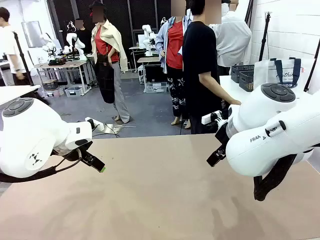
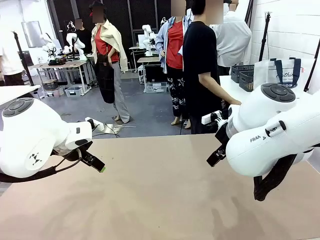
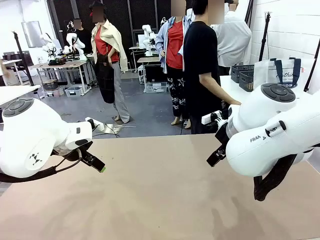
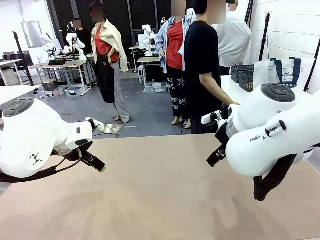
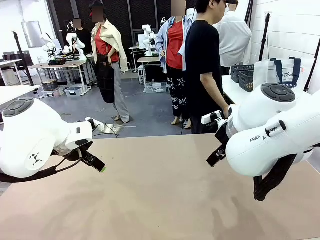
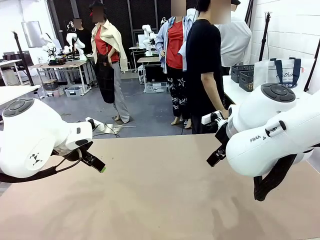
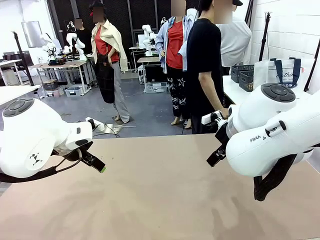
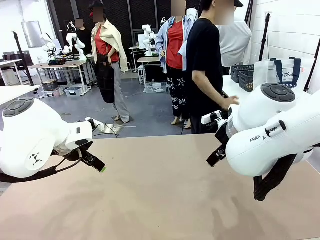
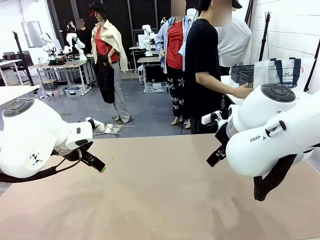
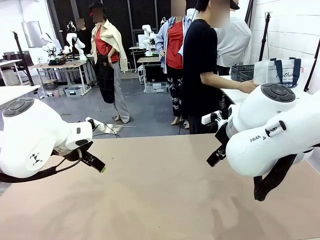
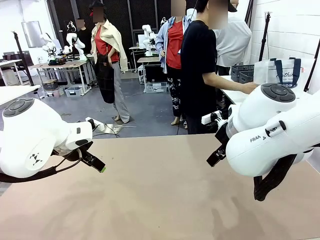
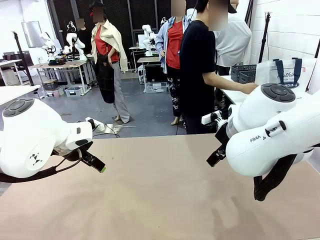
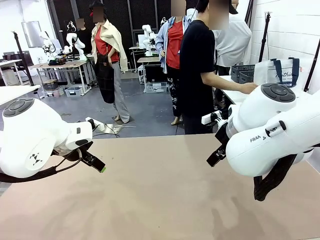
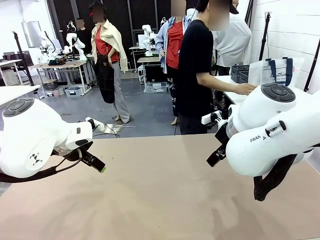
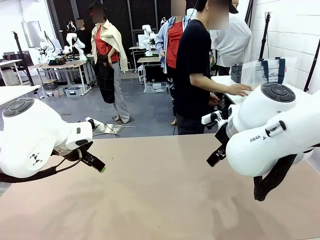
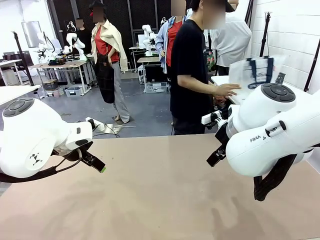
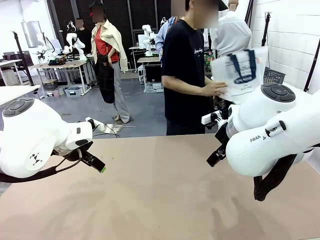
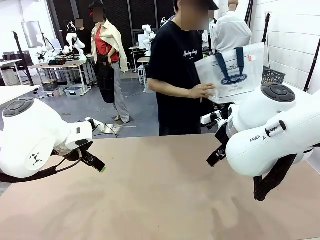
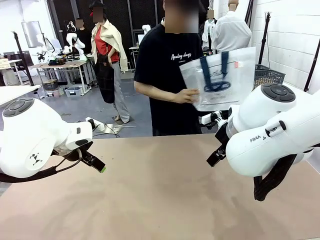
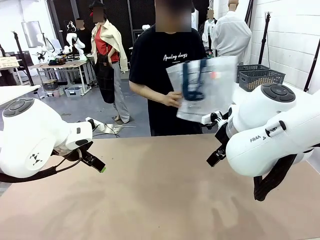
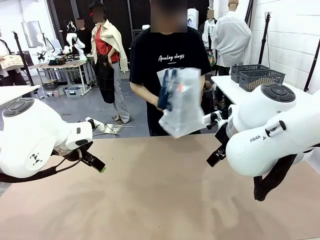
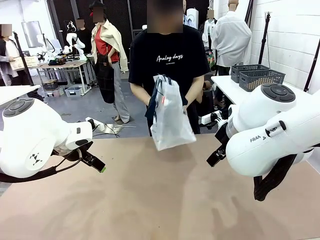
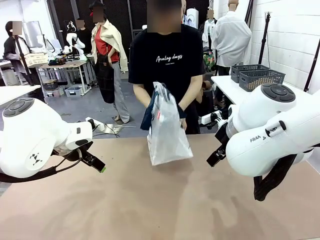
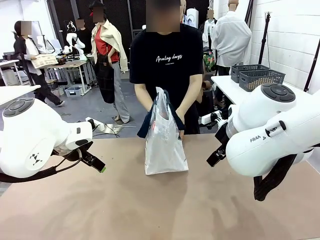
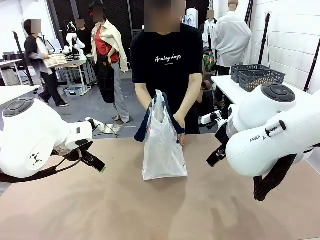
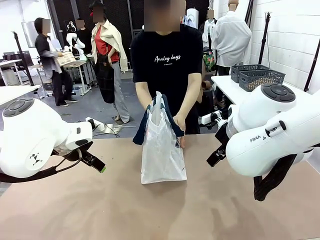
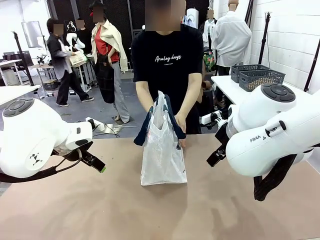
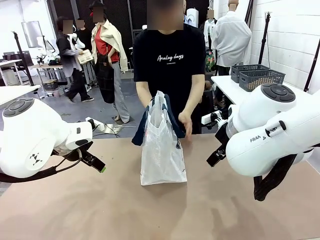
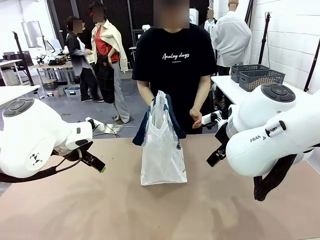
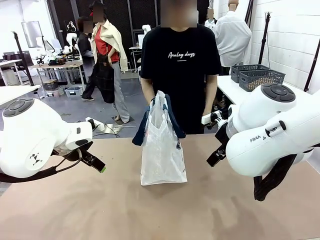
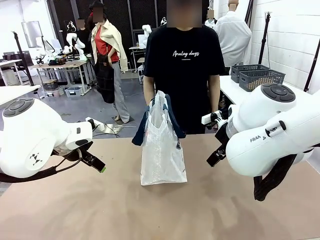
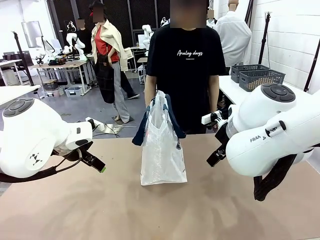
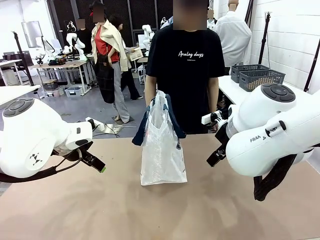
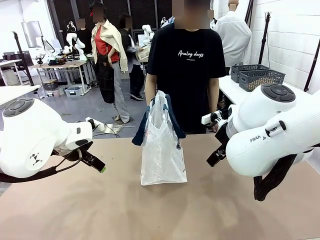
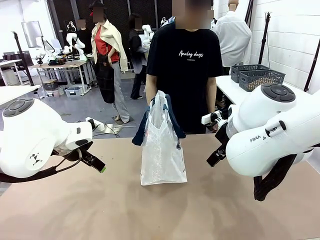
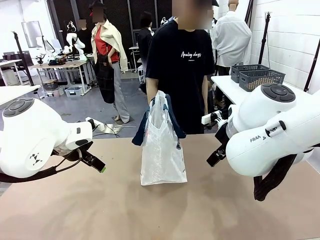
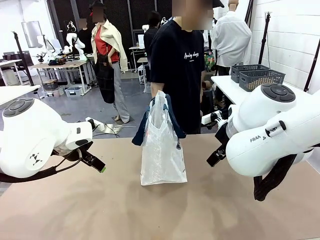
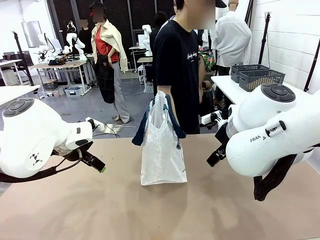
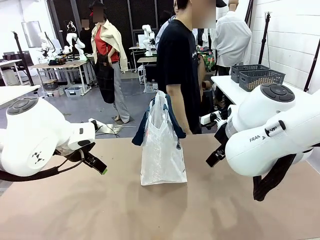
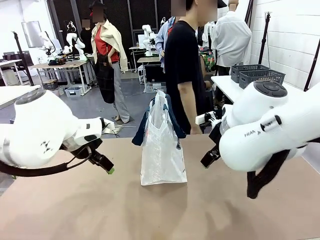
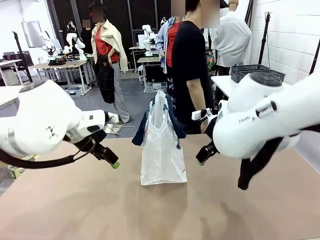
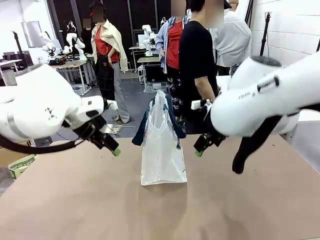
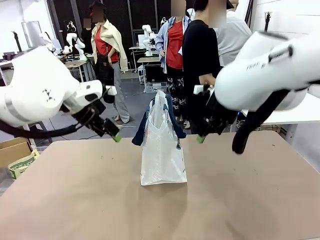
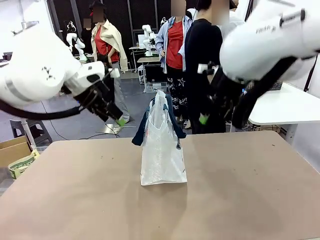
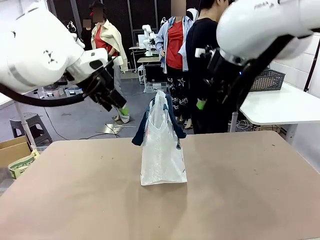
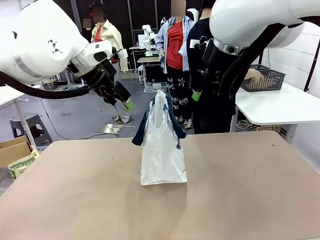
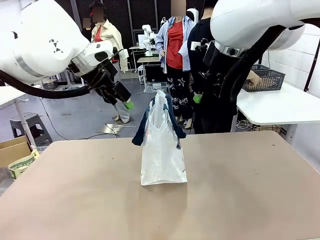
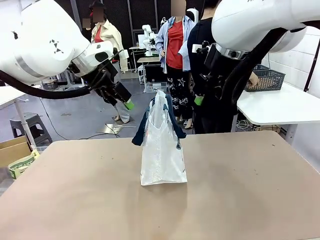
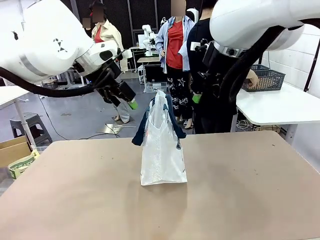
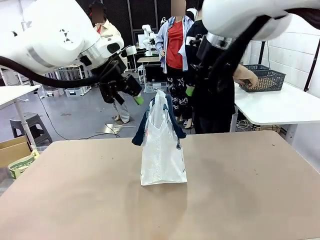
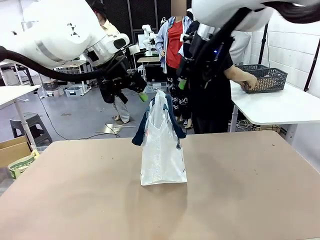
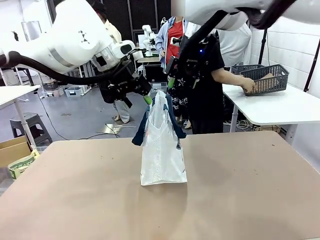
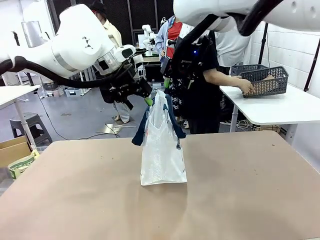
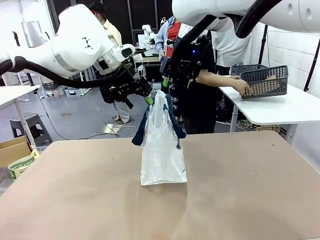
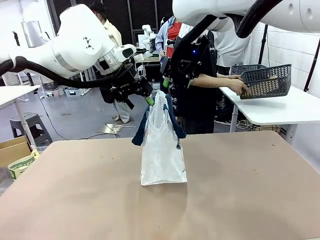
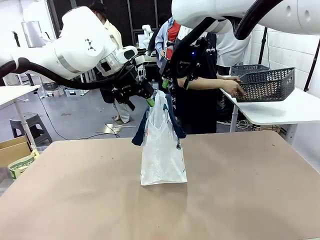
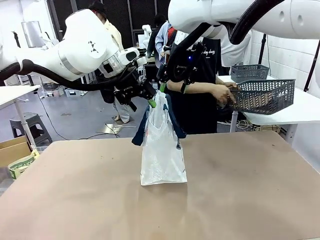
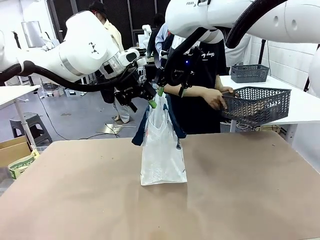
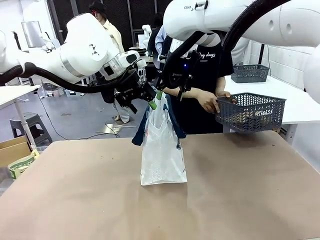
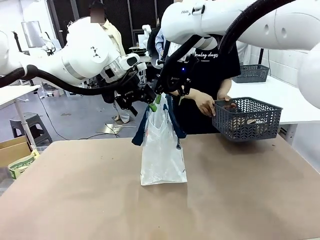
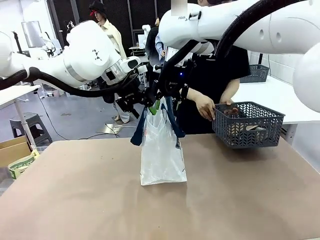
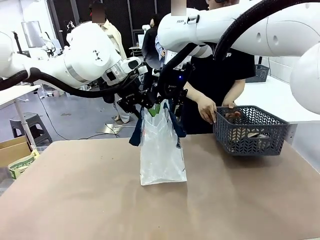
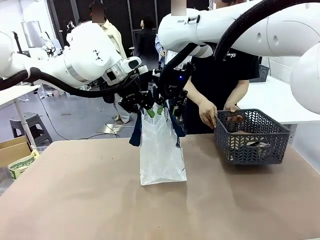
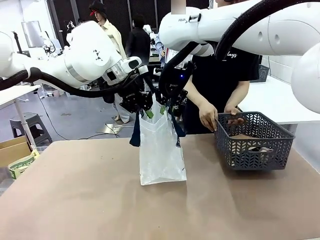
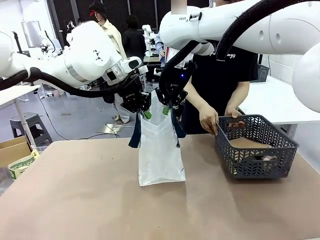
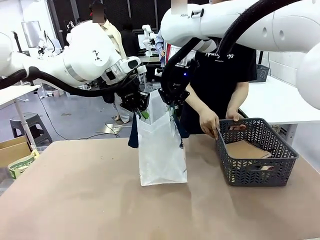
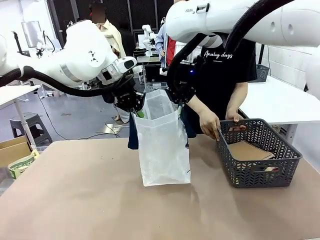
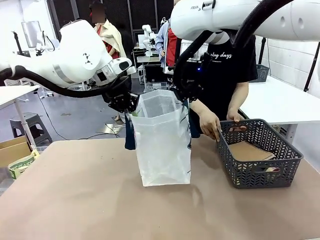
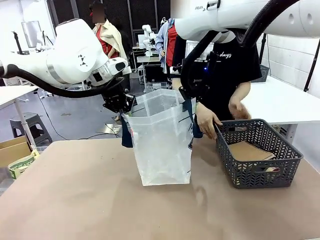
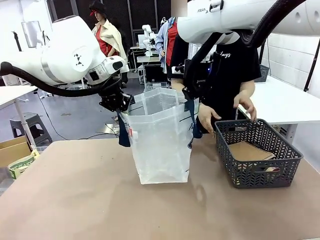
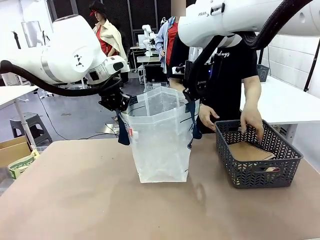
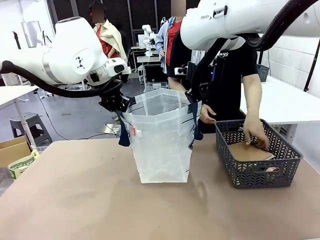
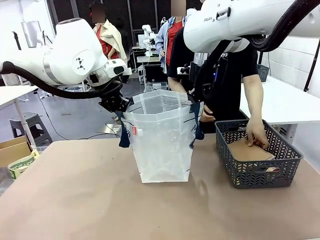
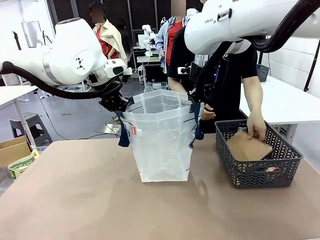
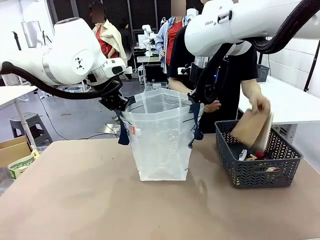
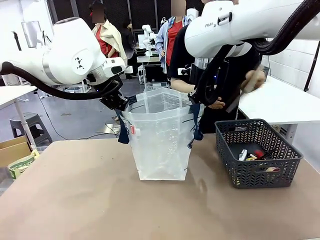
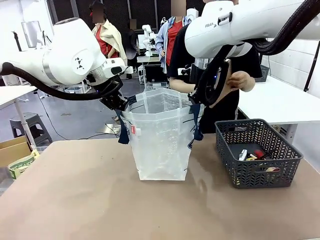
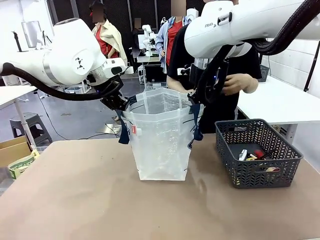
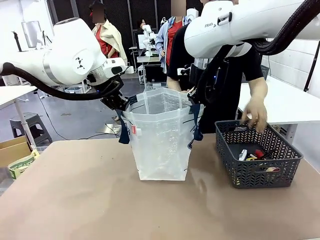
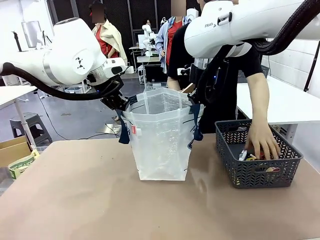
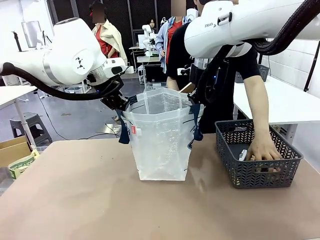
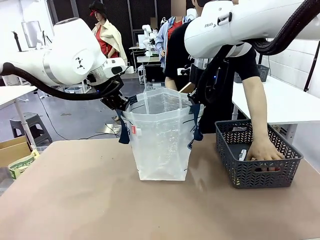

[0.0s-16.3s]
Task: Transfer purchased items from the store into the shopping bag.
Robot: Open the Reusable shopping bag in the center of the table.
Person: Pick up the shopping bag and place it in the middle of the robot table.
